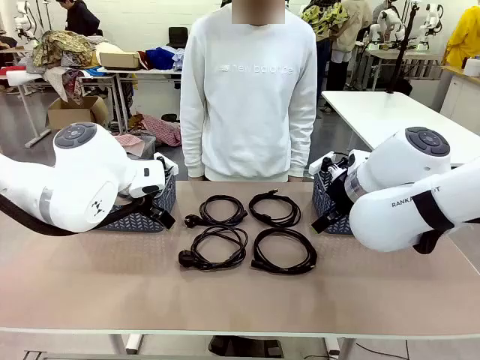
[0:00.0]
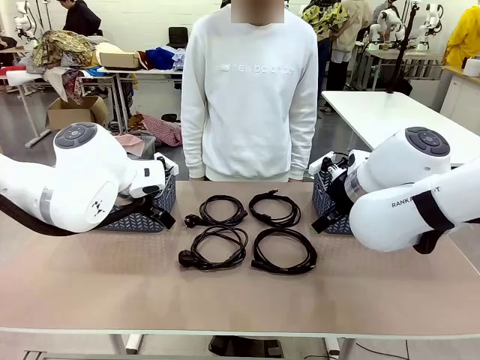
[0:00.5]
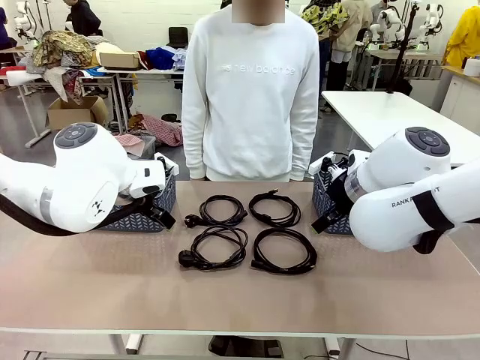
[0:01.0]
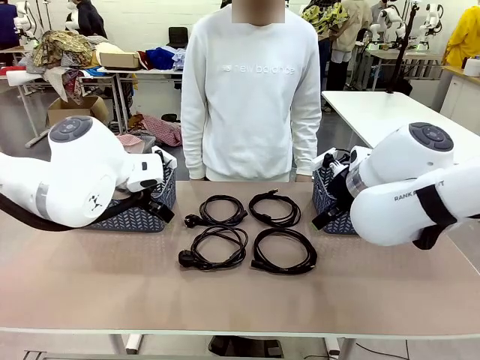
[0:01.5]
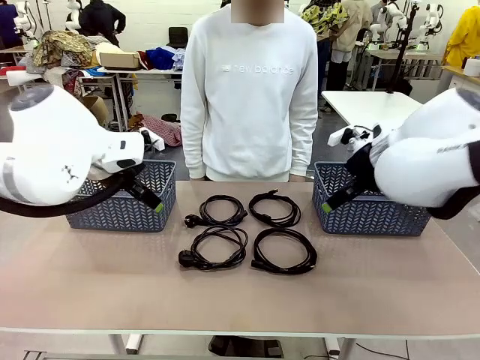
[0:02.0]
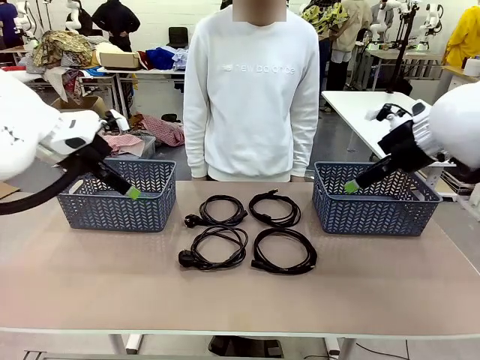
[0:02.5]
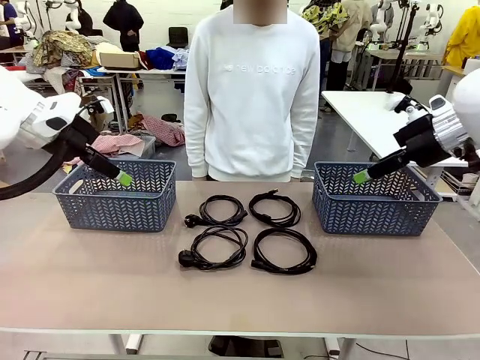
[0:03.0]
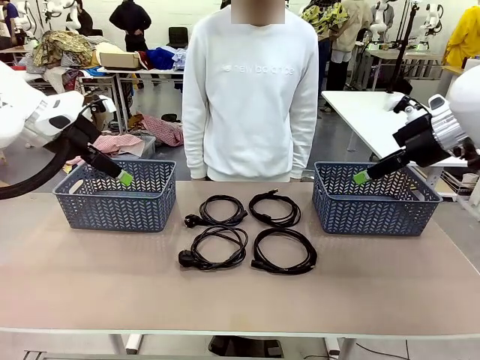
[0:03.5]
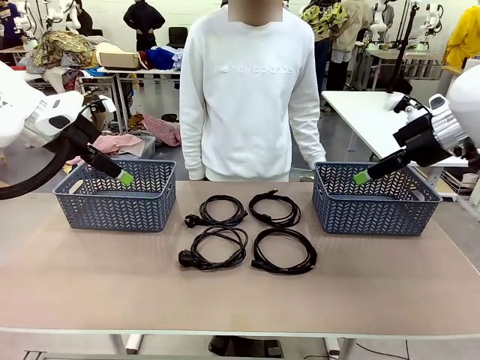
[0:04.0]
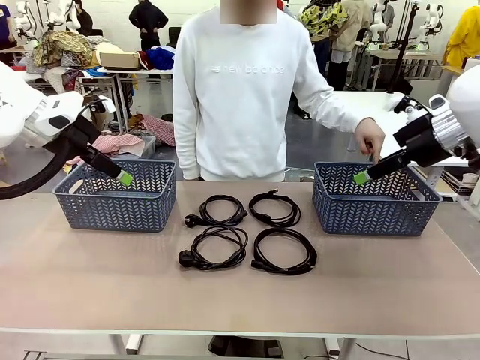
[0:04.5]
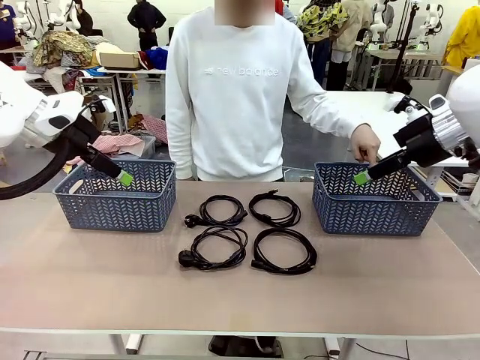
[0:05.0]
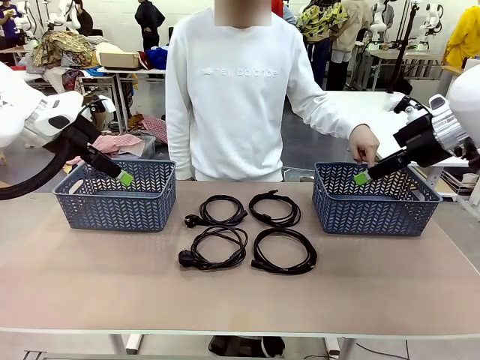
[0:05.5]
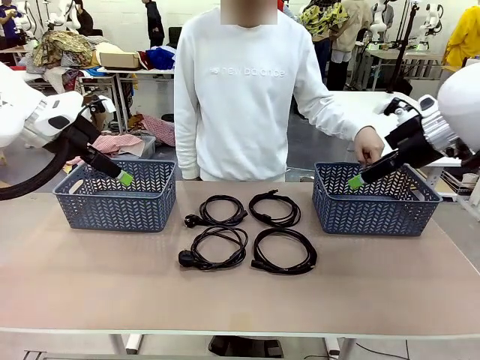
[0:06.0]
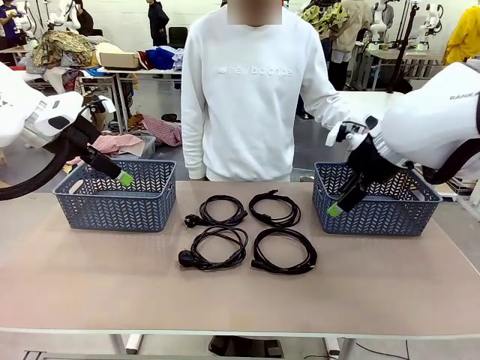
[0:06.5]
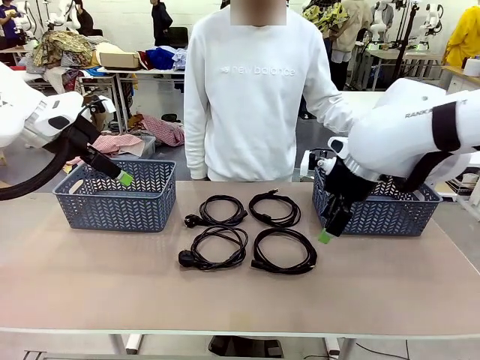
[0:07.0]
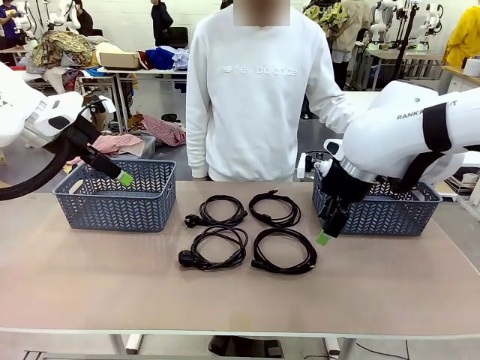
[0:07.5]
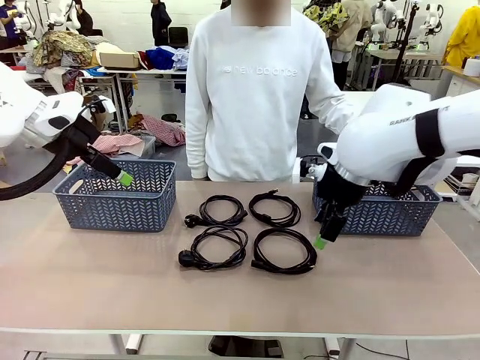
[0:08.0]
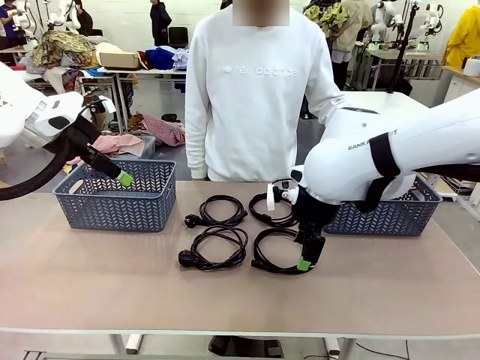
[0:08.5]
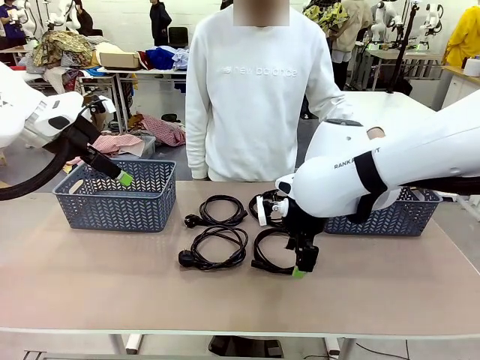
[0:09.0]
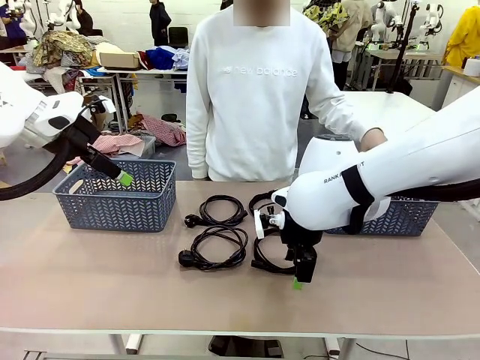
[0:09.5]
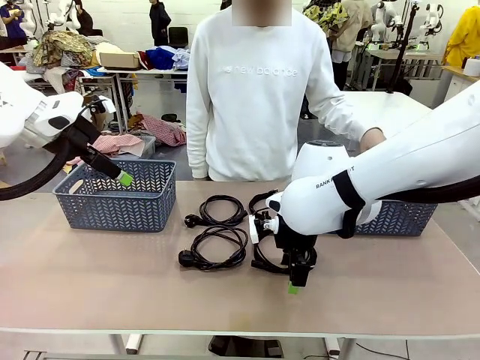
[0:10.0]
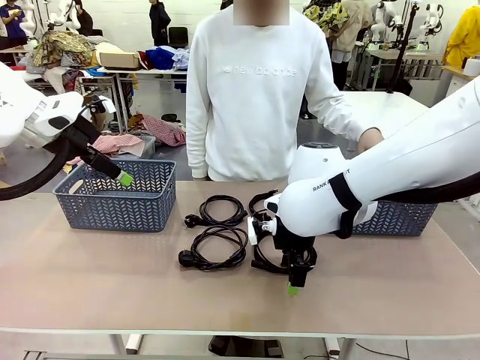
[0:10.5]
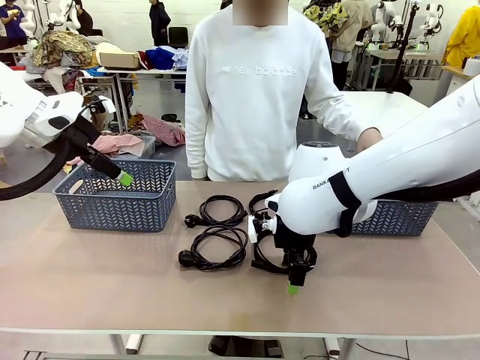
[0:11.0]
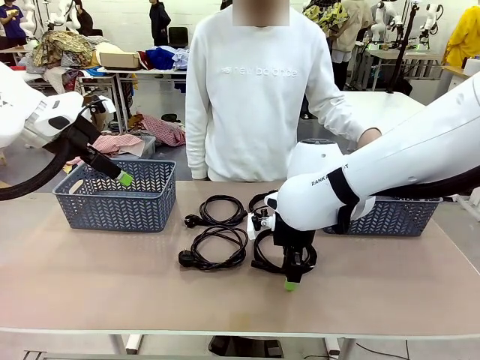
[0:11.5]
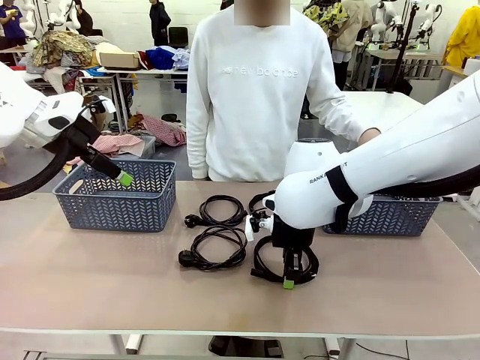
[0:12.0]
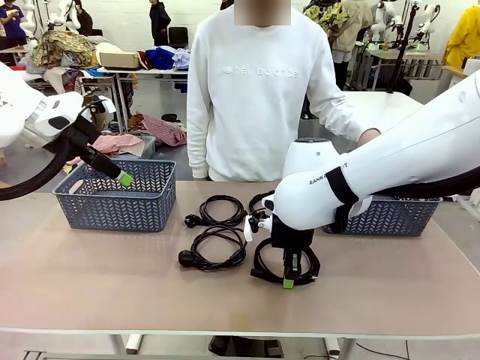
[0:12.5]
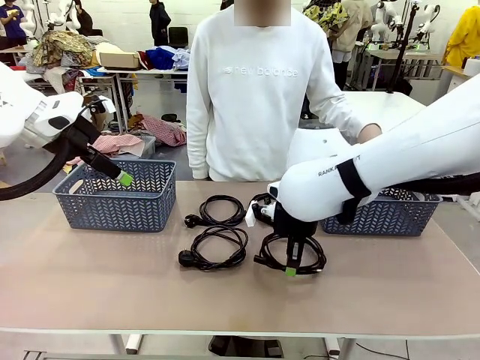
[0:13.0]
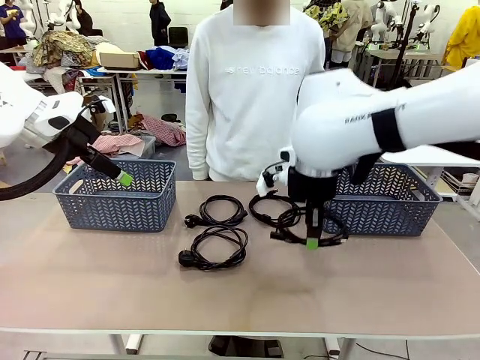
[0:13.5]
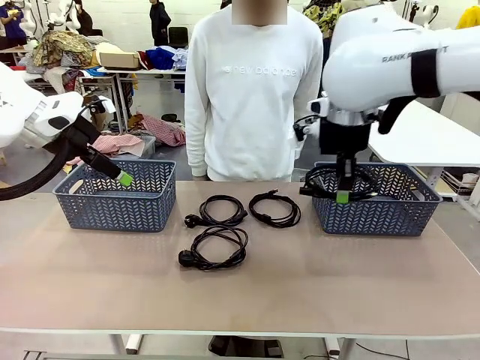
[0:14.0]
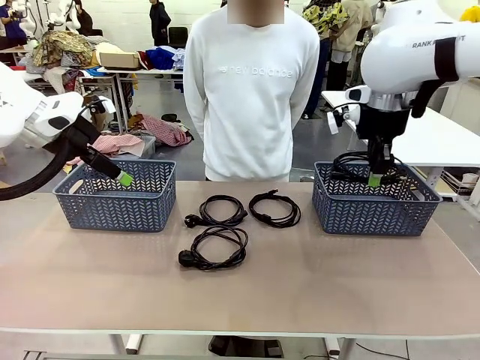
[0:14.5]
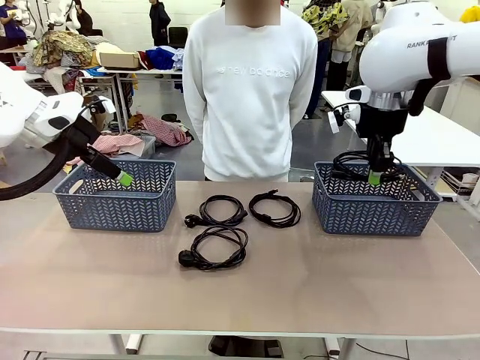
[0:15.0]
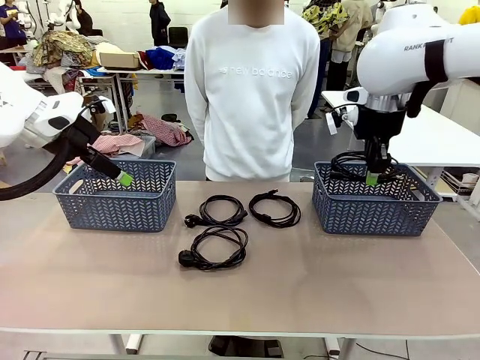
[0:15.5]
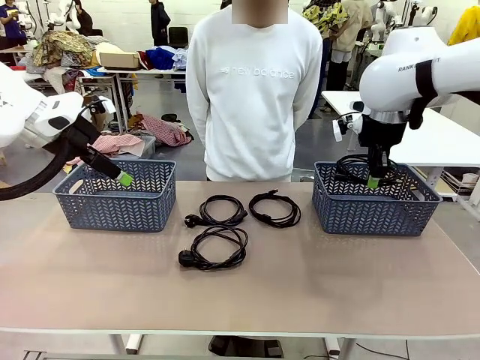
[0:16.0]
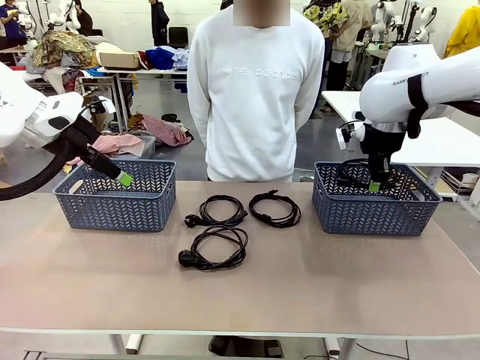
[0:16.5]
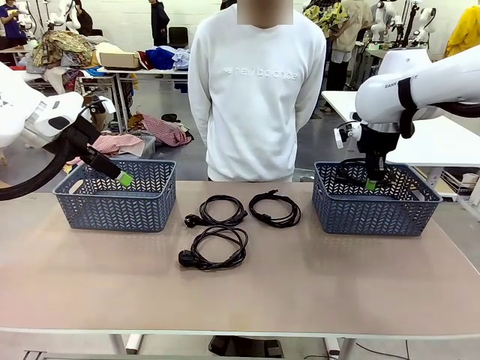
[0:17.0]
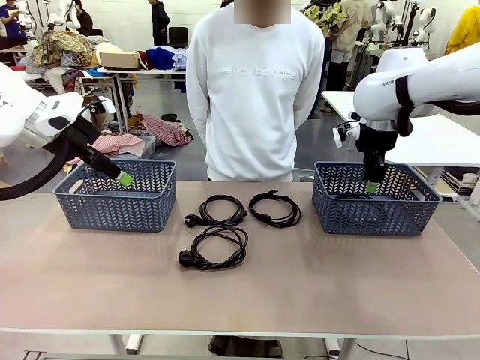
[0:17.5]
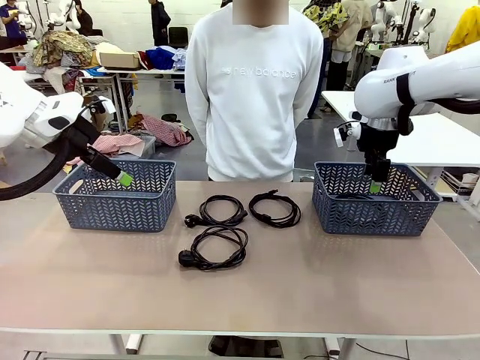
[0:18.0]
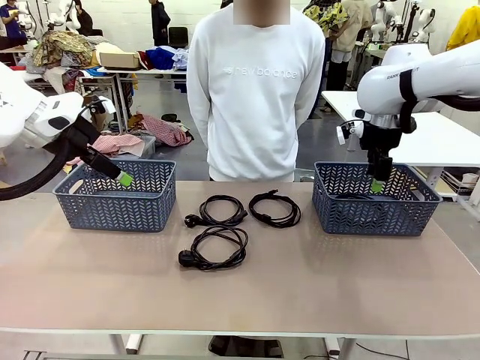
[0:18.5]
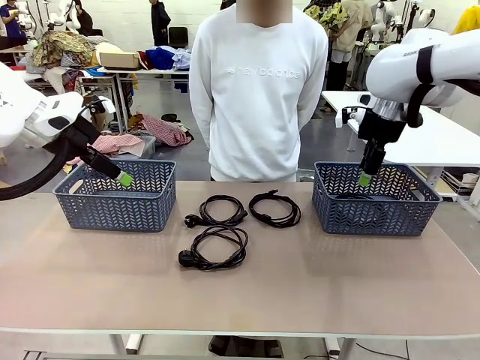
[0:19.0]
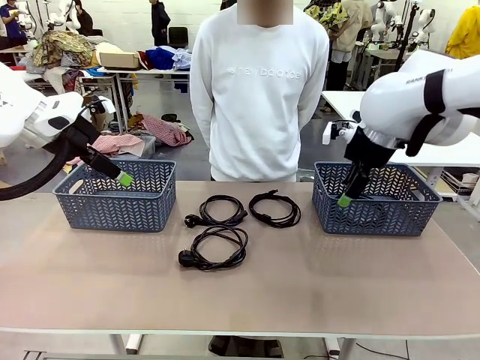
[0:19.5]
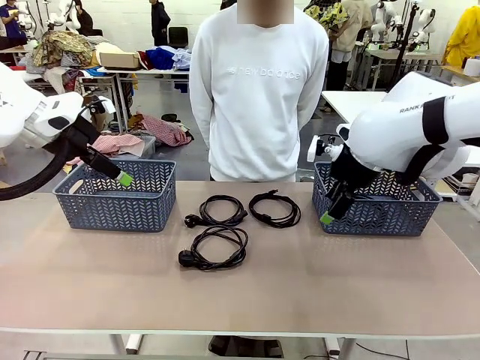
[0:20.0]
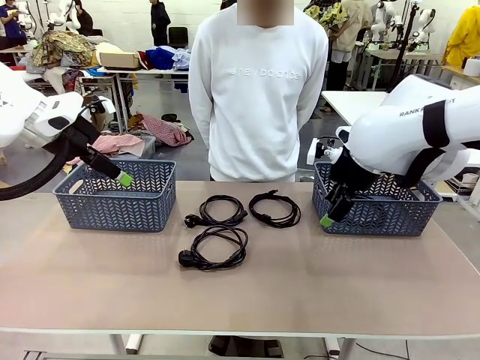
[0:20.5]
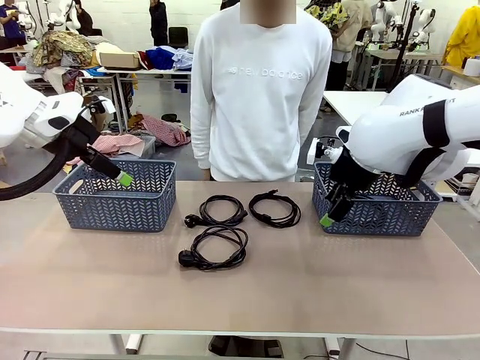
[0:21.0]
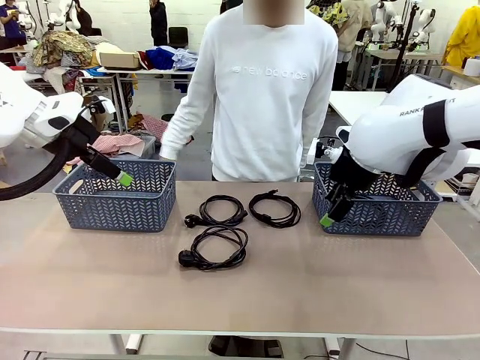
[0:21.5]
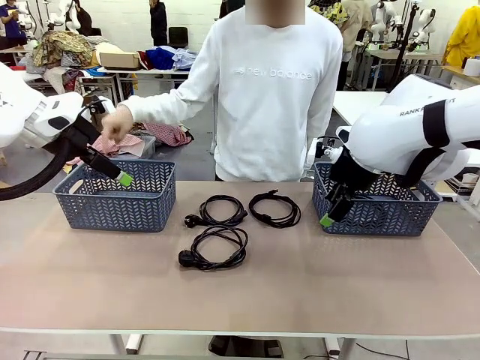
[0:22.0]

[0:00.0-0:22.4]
Task: Organize the cables according to human instructions.
Robot: Pick up a bundle of cables and place it in the basket indicated by the human.
